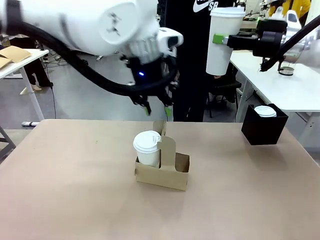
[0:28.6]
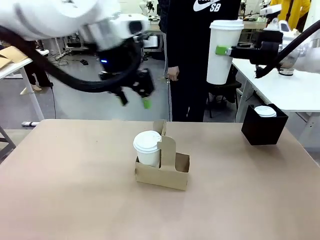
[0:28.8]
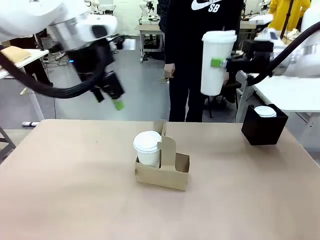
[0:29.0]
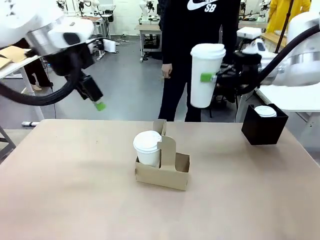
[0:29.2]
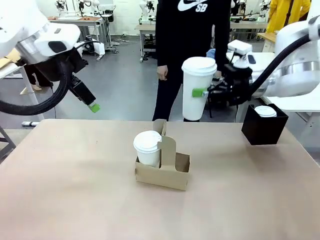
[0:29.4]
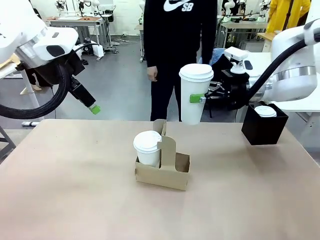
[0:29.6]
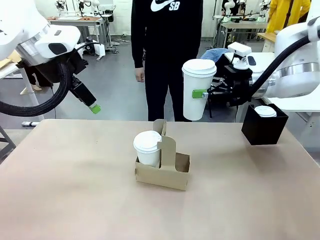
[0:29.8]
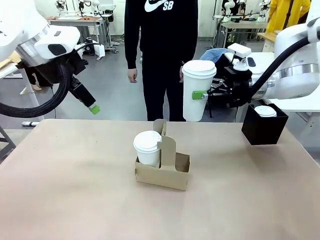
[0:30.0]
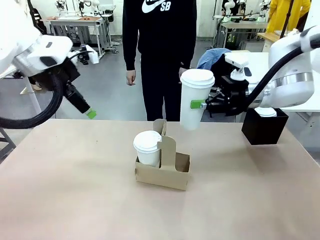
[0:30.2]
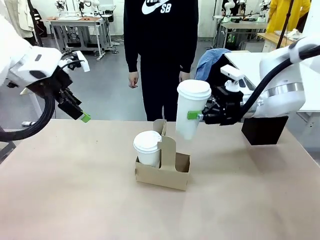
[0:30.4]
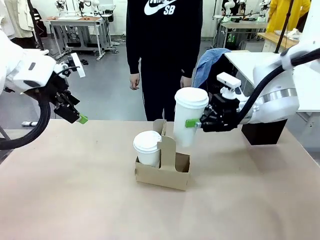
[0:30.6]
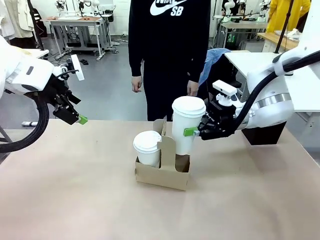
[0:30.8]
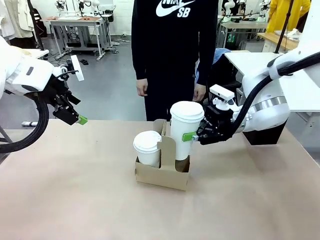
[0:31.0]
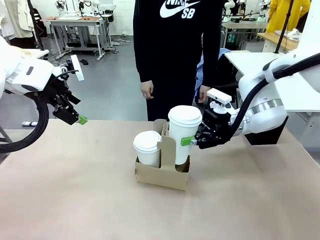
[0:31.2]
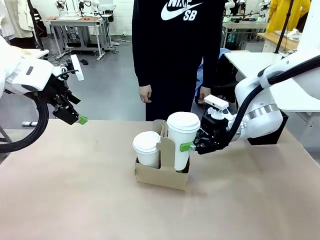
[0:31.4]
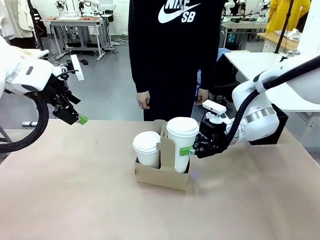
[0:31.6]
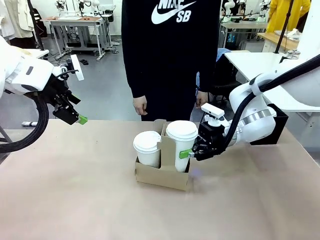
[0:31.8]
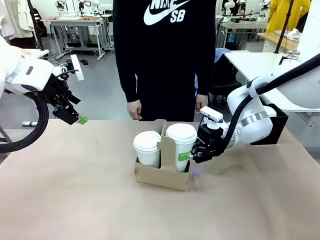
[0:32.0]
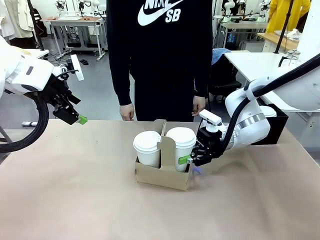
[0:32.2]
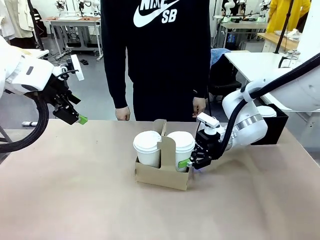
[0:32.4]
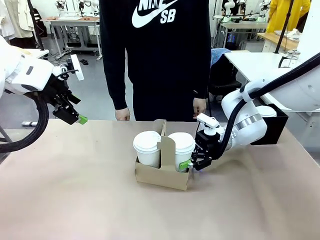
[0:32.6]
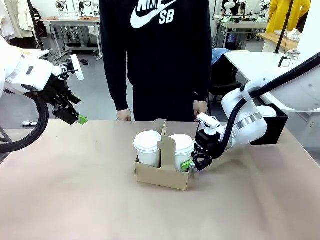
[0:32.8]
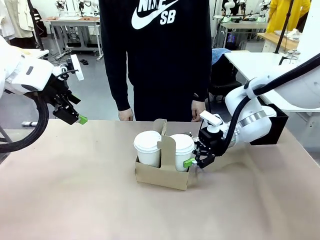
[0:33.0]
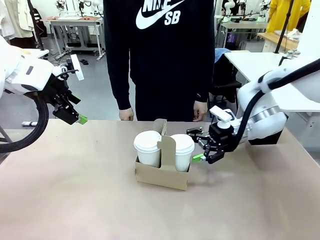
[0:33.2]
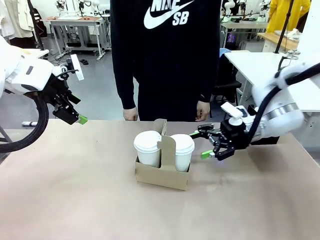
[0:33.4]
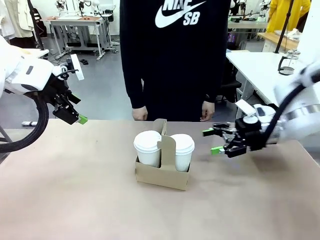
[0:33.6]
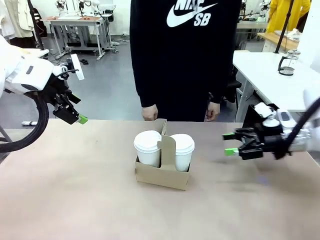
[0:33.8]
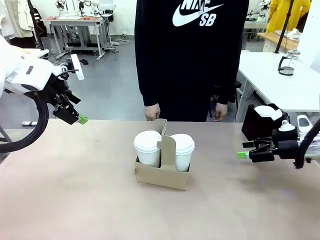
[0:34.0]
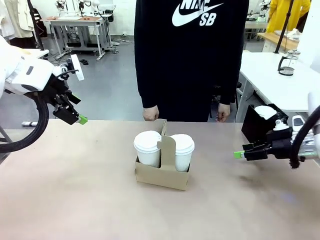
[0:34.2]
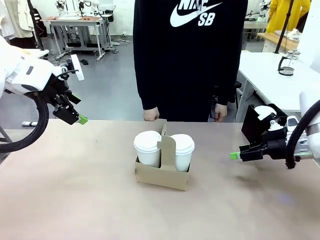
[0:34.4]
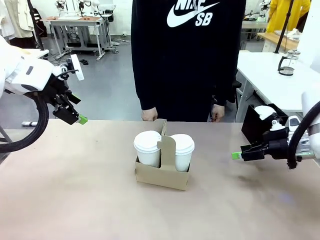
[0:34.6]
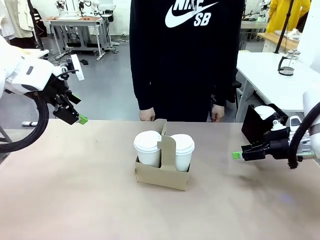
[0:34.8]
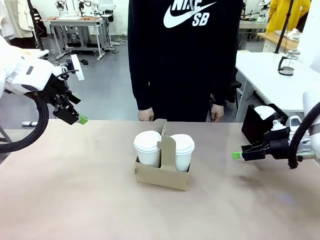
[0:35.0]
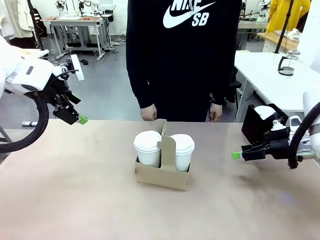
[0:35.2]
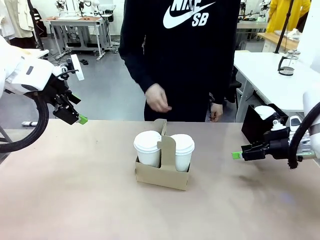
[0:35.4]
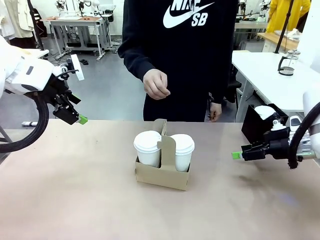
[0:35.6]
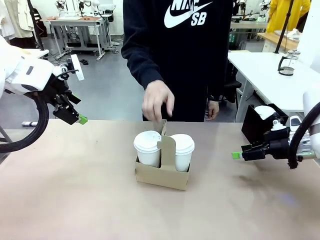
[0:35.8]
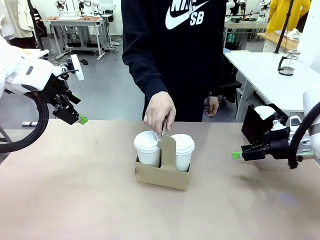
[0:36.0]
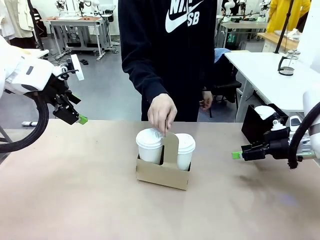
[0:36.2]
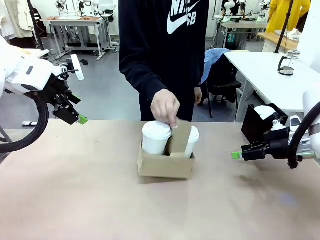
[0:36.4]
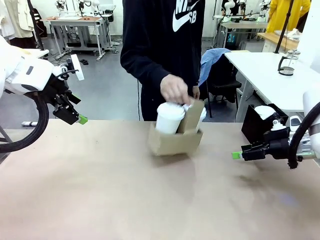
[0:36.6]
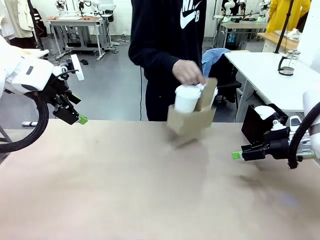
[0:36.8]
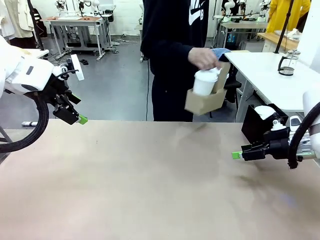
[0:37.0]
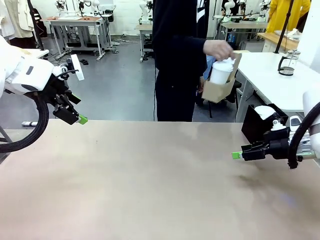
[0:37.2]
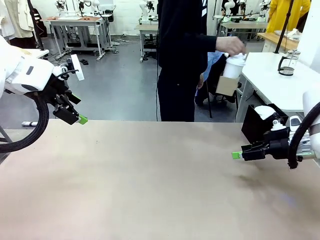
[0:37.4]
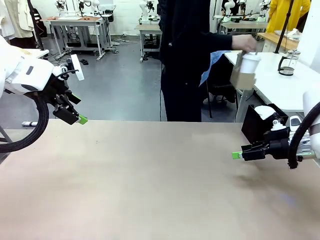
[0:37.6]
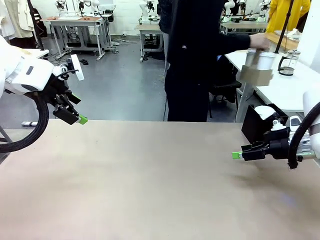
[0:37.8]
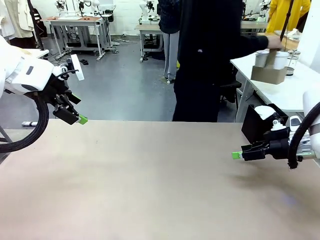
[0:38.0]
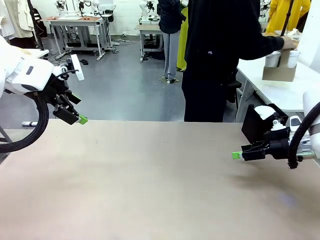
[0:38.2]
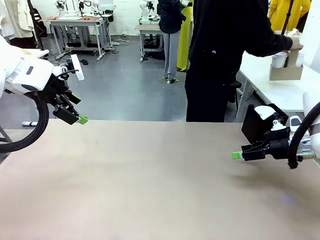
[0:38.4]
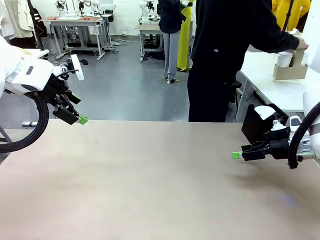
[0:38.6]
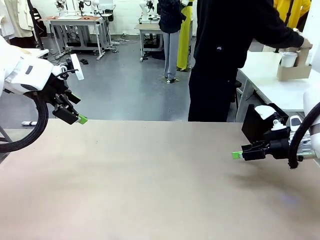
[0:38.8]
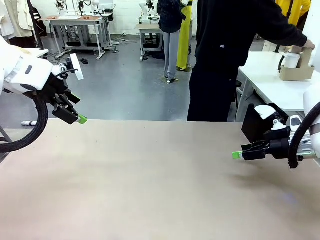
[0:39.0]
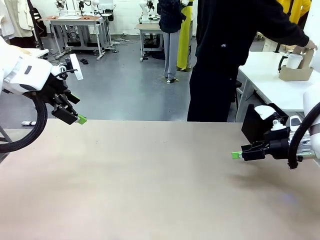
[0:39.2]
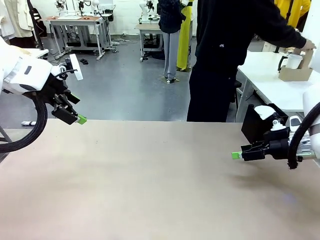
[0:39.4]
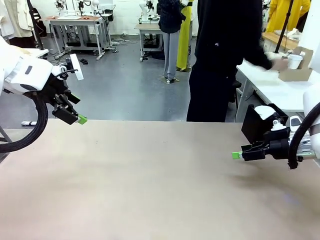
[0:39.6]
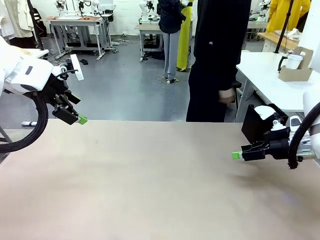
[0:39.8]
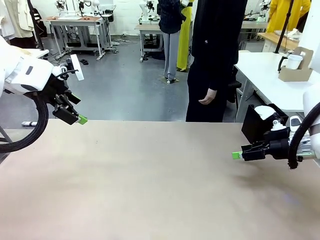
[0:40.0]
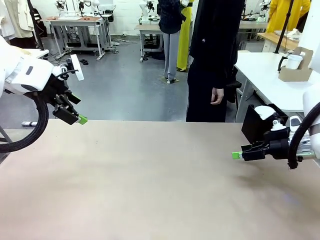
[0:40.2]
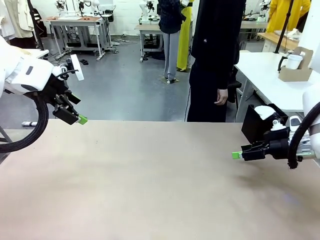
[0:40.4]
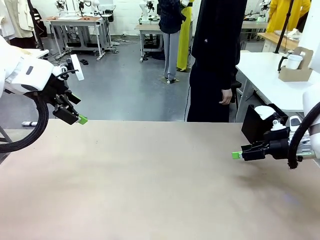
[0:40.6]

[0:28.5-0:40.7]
Task: Pour a drink into a cup and package it in a carrier.
Robot: Insert the held 600 ml Paper Cup into the Cup Carrier.
Person: Place the Cup Carrier to the middle of Human table.

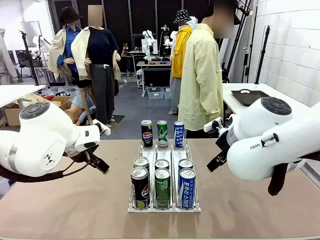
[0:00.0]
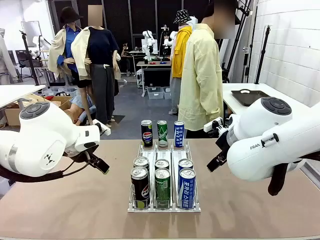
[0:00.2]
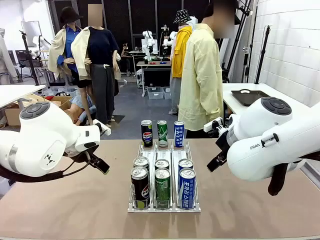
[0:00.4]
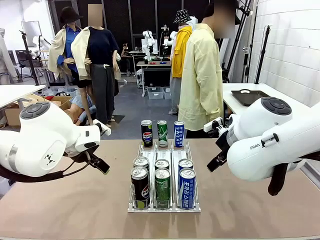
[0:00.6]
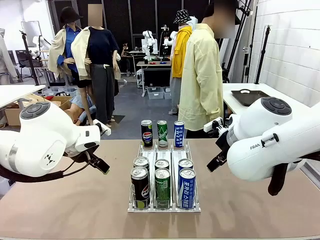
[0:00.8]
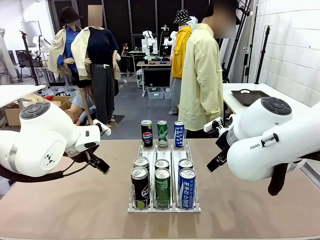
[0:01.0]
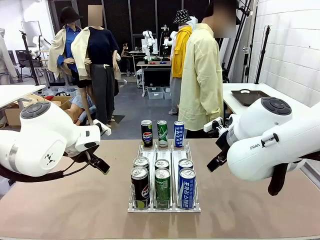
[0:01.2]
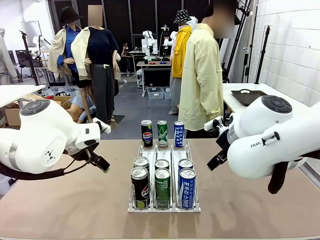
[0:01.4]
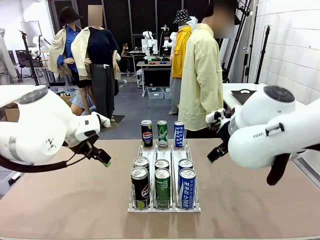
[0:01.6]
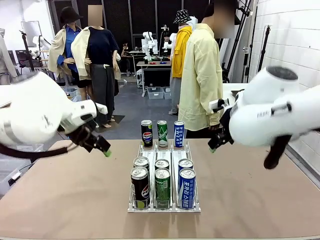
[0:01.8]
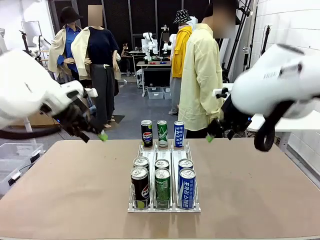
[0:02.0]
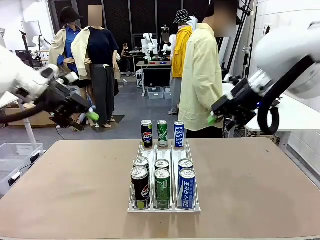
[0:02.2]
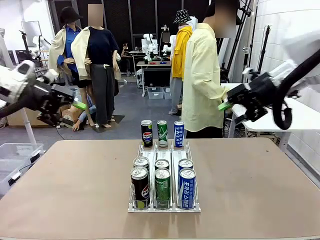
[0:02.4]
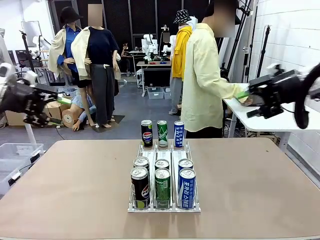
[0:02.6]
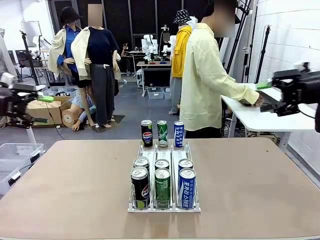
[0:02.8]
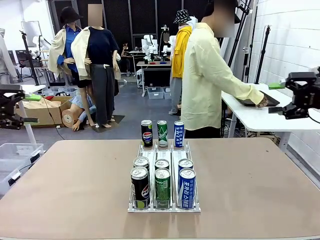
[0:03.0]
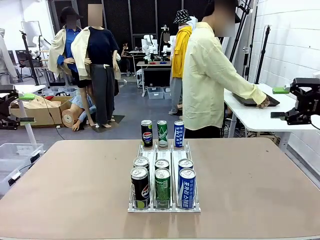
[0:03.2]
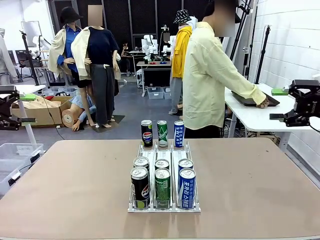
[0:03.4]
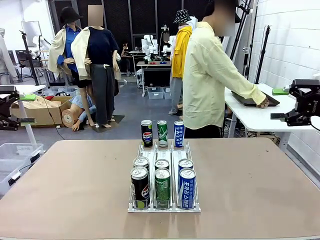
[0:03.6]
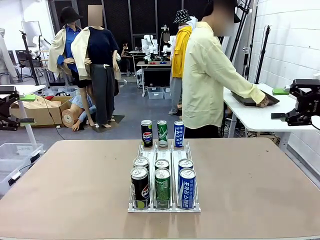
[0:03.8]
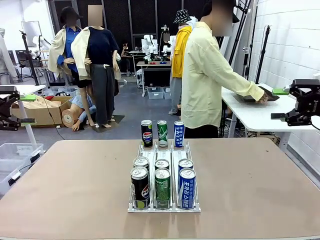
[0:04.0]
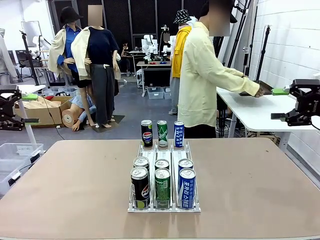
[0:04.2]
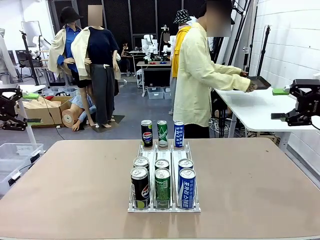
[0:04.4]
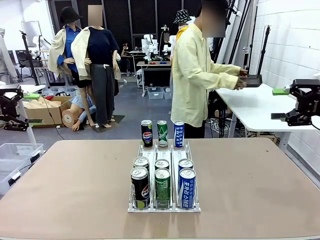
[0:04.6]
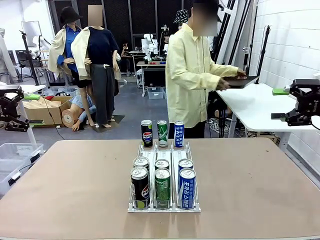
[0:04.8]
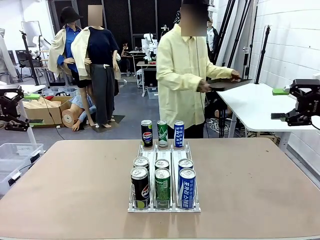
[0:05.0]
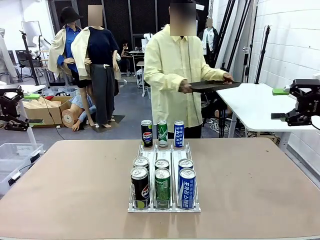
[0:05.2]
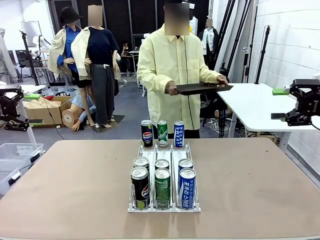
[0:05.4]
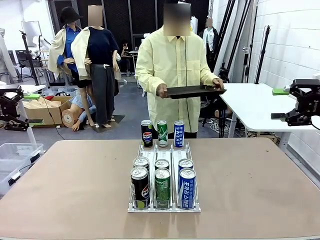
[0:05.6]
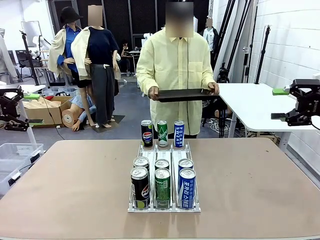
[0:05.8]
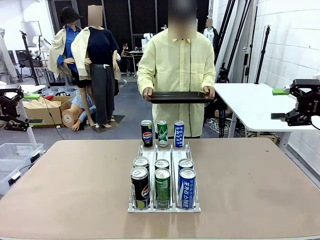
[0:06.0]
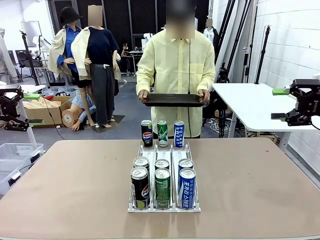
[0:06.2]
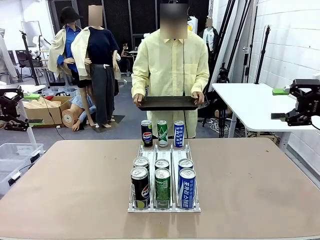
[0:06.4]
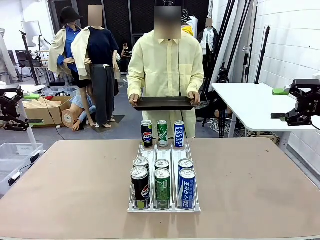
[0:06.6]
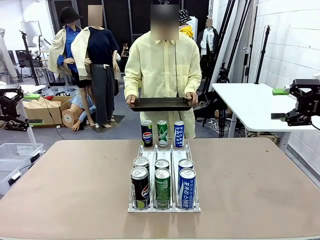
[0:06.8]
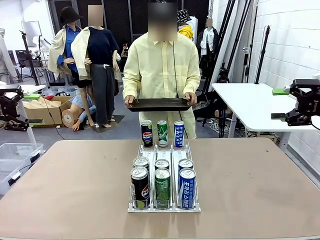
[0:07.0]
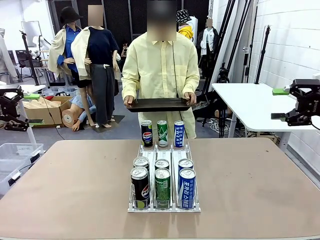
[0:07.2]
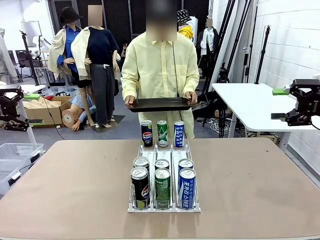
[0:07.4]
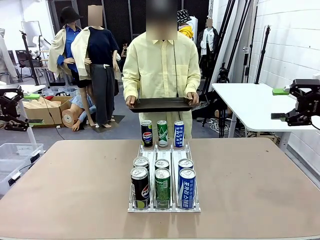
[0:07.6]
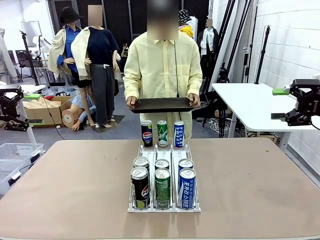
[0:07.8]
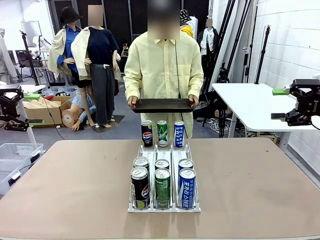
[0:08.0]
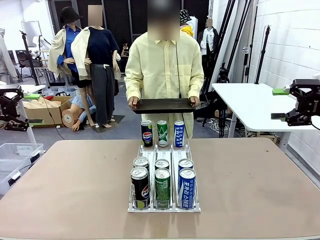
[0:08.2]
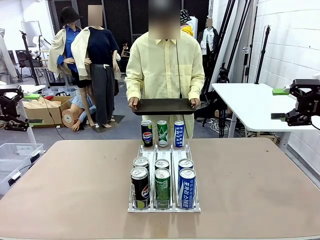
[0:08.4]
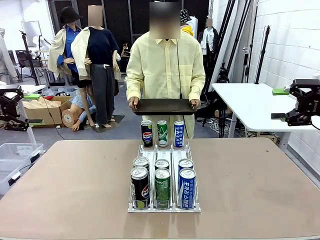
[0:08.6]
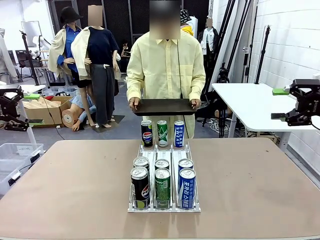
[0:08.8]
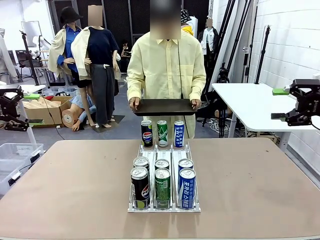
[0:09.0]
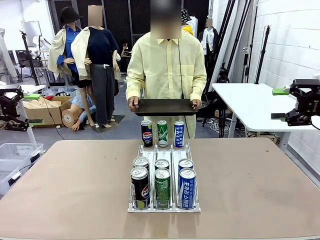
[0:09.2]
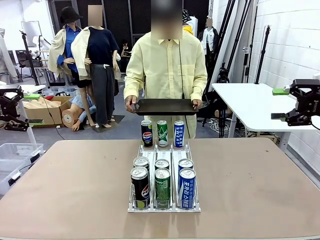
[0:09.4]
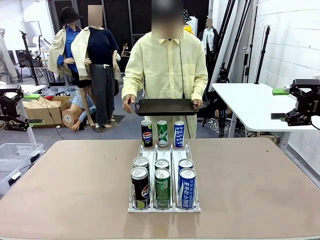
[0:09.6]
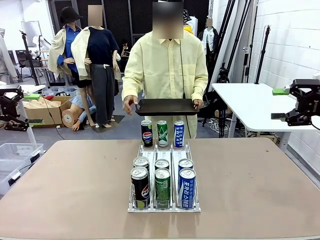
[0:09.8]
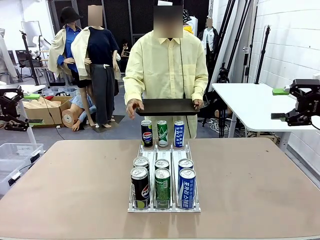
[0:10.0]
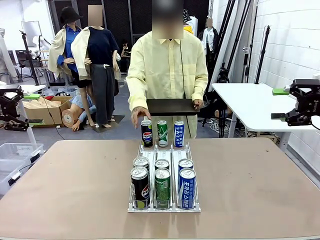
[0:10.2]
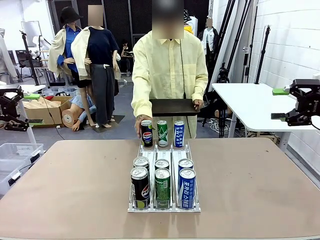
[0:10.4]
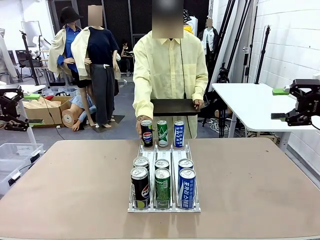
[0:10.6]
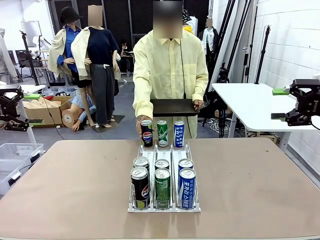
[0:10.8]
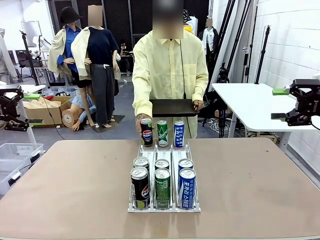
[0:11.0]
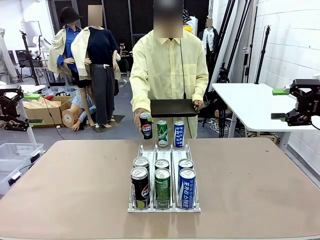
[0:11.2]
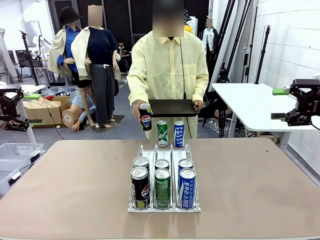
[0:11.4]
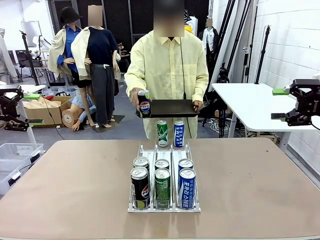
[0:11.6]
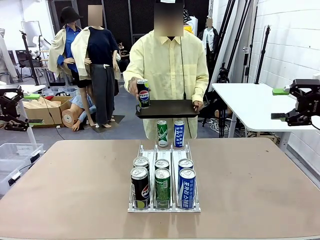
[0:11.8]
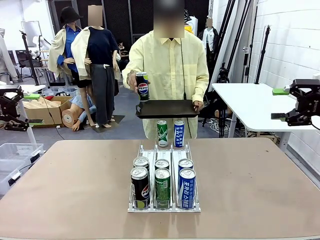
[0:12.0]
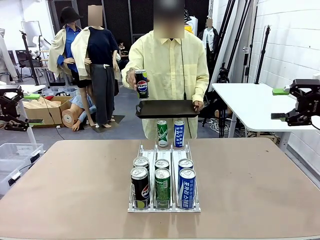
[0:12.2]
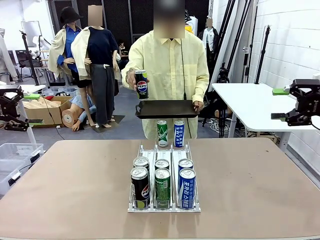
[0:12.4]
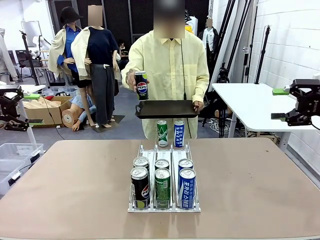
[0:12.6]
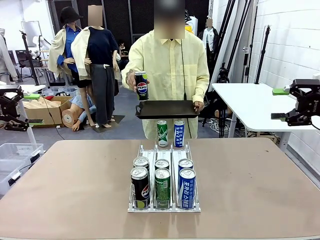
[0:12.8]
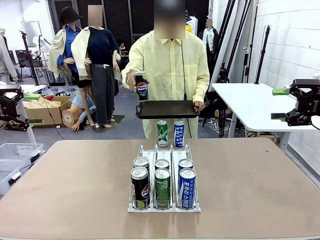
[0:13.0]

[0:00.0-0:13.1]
Task: Retrieve and hand over the desired beverage to the person.
Robot: Pick up a can of the same type that the person held from the Automatic Can Dispenser.
Person: Hold the tray and position yourself in front of the robot table. Pick up one can from the bottom area of the table and puts it back in its original place.
